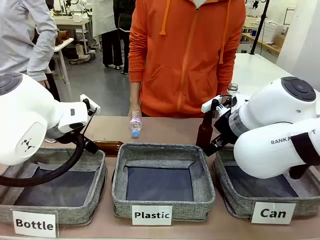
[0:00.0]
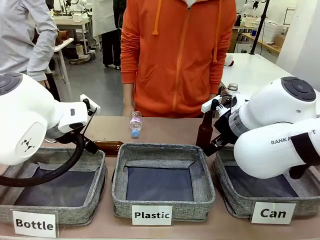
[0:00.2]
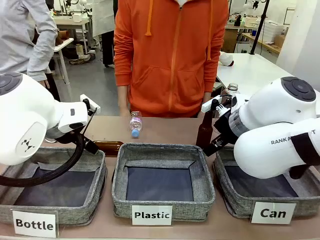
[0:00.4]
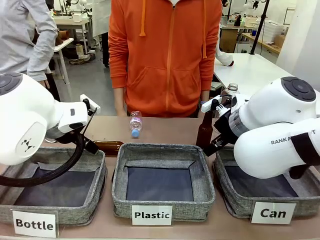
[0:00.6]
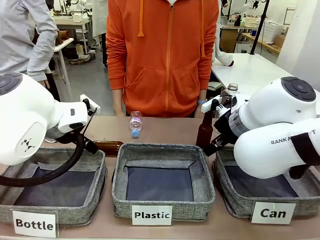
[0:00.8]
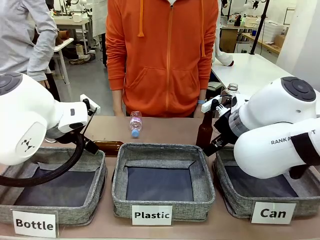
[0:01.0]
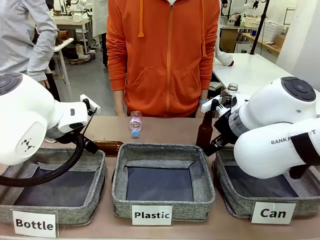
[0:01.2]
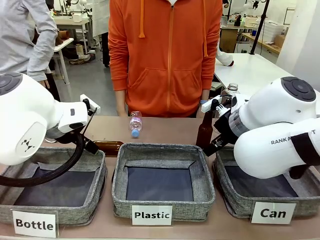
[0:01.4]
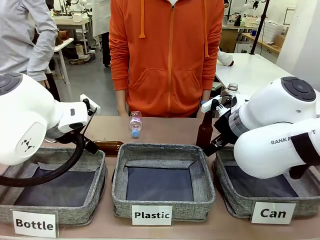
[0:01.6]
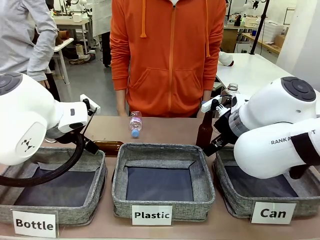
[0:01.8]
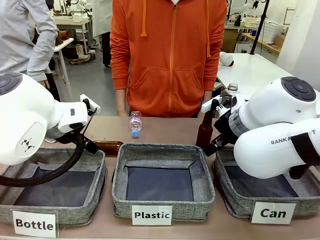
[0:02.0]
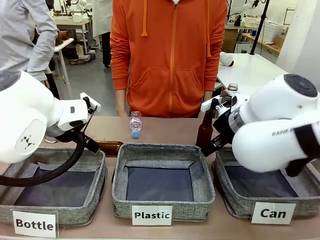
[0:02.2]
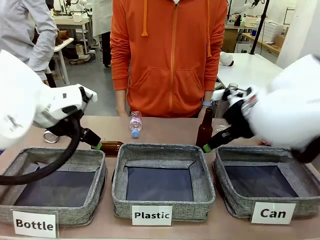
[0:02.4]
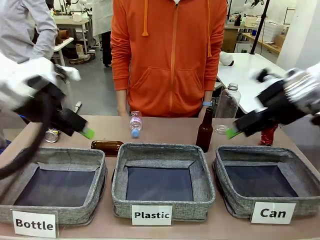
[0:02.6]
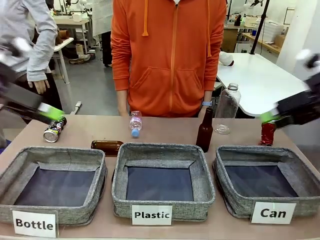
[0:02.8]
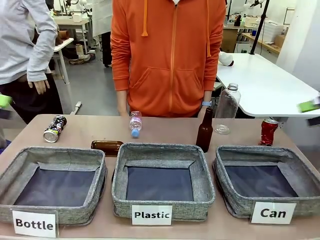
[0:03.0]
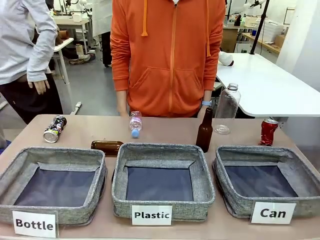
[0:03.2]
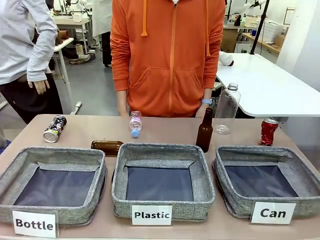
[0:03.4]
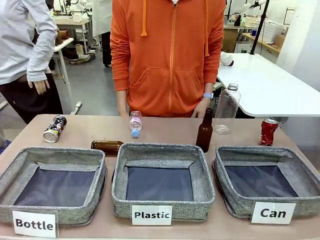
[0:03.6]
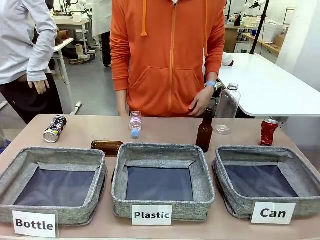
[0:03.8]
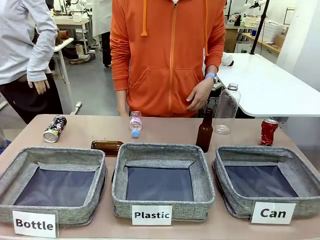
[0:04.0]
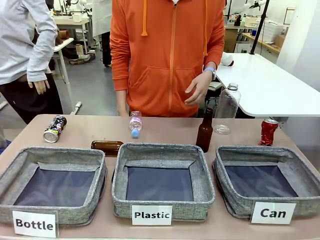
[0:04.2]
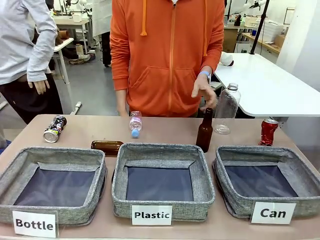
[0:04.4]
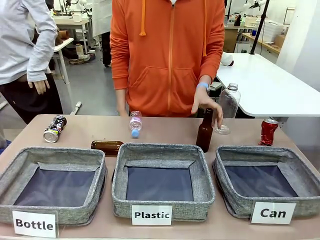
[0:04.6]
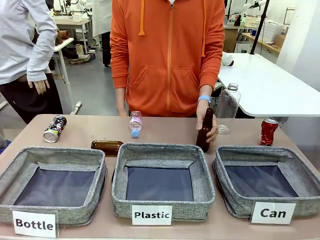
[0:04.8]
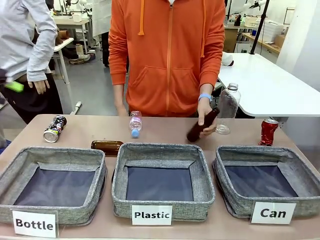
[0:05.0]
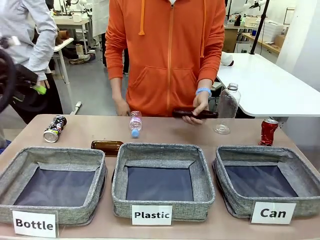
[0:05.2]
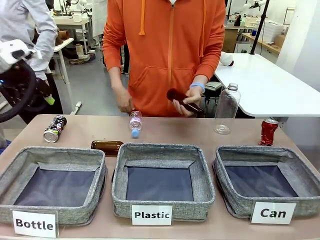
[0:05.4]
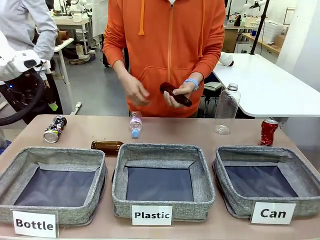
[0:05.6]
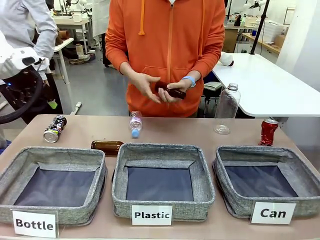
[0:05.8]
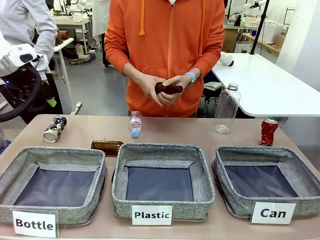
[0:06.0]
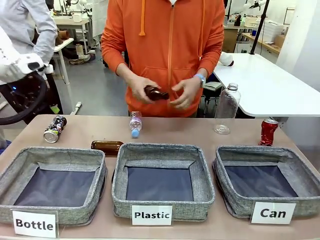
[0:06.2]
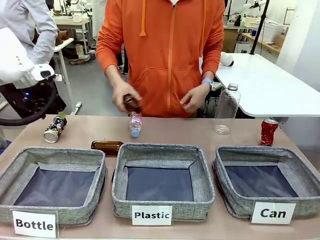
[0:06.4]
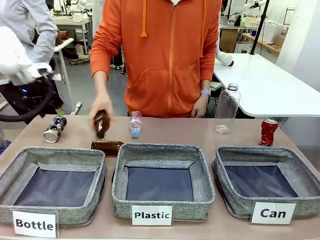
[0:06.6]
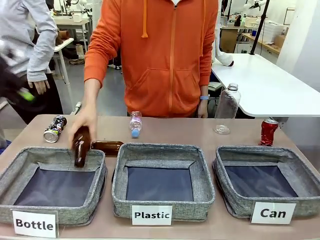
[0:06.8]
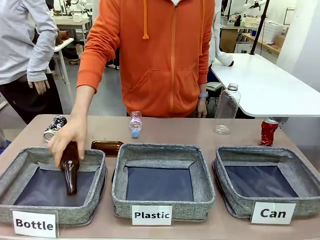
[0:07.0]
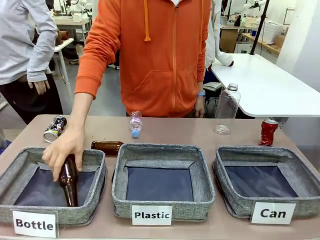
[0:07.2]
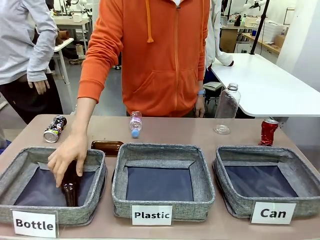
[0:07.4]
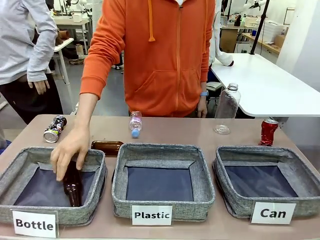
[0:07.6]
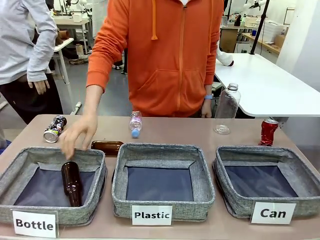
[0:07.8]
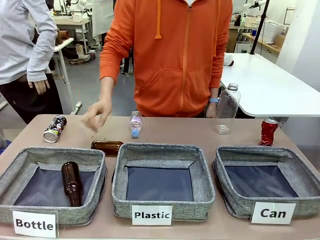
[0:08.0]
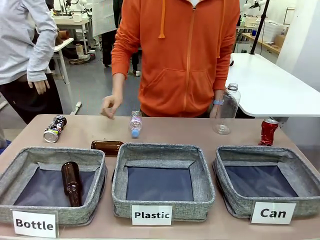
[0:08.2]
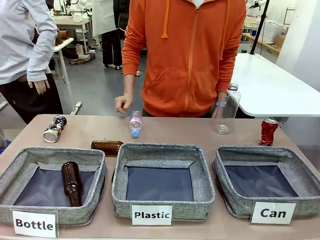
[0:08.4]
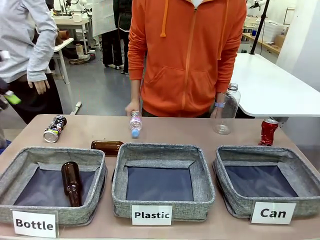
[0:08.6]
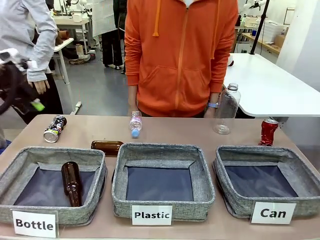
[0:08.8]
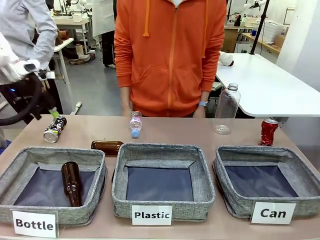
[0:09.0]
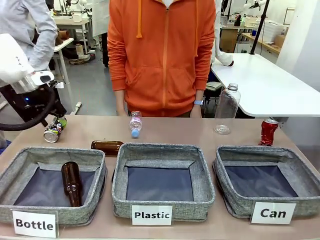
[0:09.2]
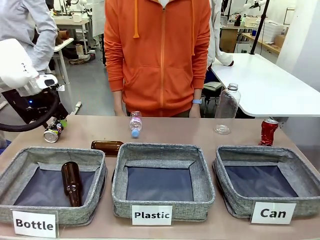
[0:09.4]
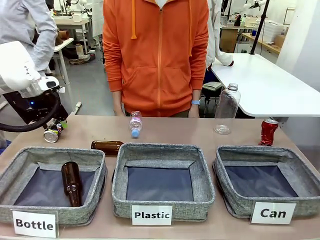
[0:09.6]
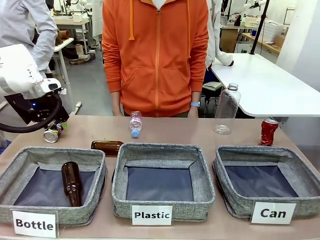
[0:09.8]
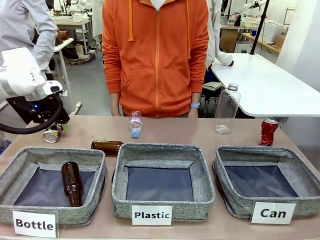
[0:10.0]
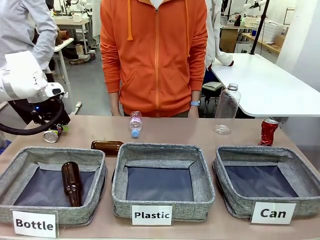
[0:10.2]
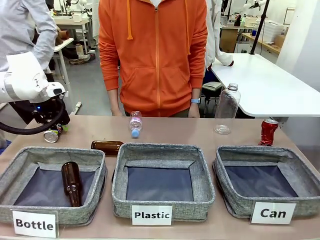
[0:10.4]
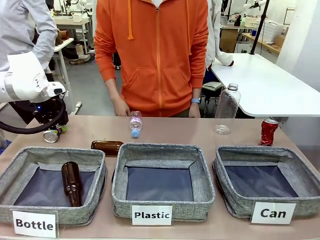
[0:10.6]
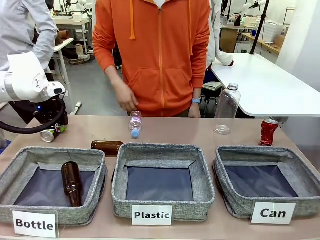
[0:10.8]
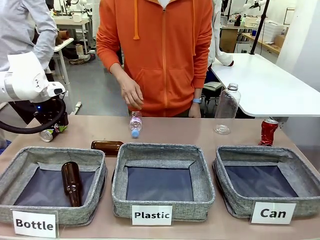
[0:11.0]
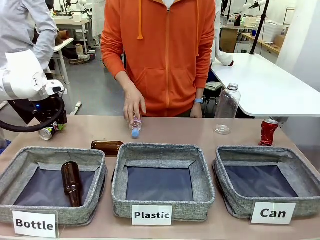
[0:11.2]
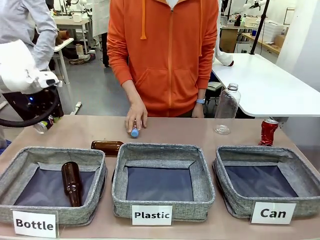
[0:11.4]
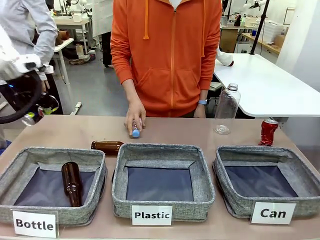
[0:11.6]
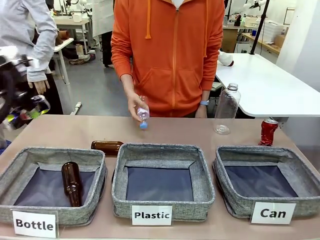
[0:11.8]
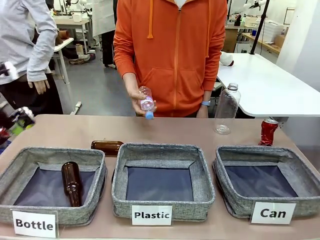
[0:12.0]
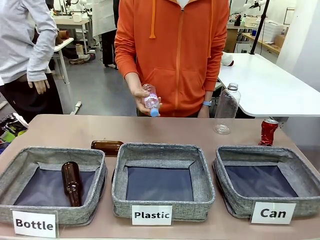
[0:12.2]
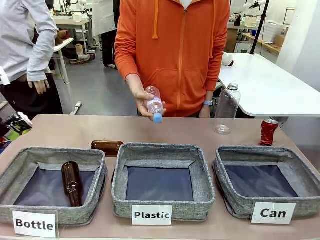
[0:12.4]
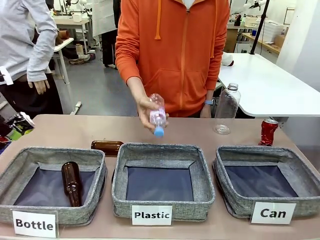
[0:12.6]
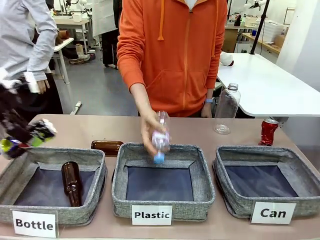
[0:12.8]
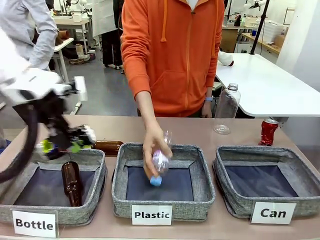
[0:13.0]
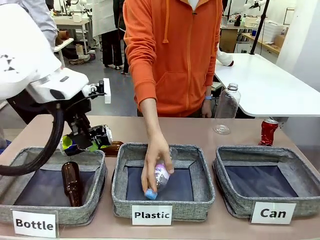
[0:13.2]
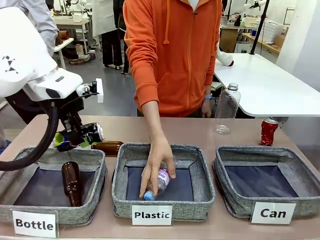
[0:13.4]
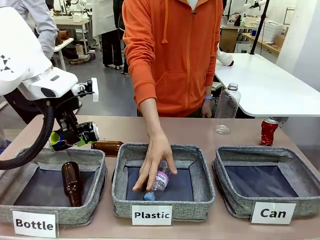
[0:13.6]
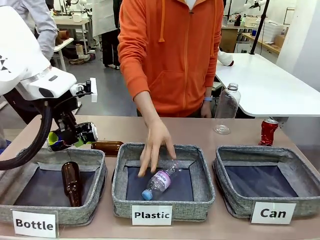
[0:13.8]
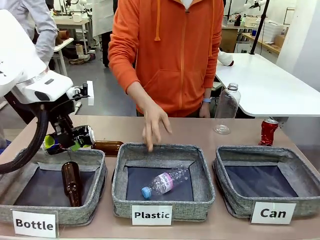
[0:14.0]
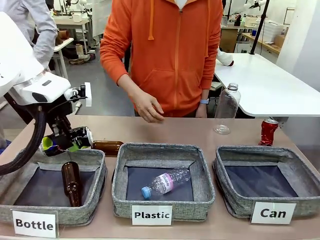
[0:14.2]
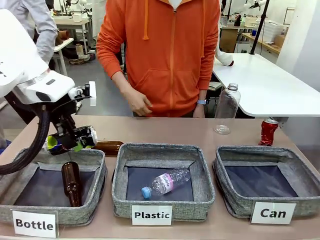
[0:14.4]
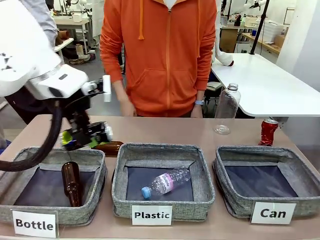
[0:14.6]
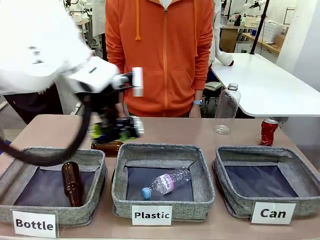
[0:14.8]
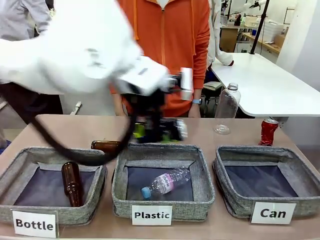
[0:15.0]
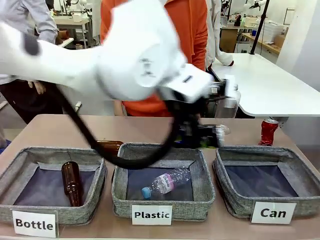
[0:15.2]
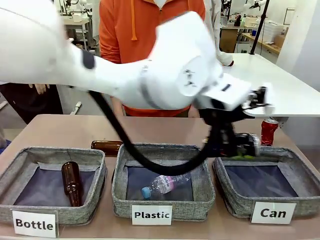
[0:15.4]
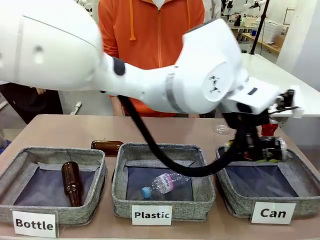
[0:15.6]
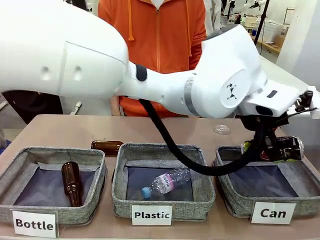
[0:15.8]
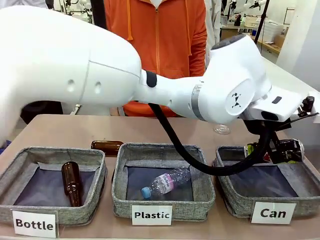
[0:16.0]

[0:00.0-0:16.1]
Task: Sort the can waste into the basket.
Robot: Pick up the can waste from the table and place it in the right Fabric basket.
